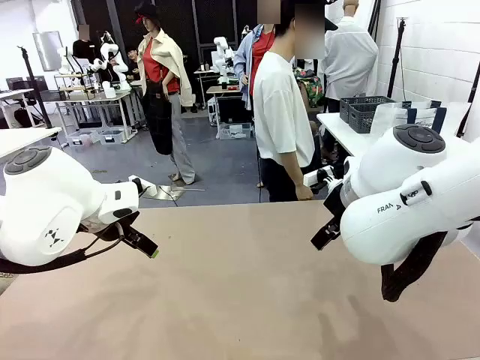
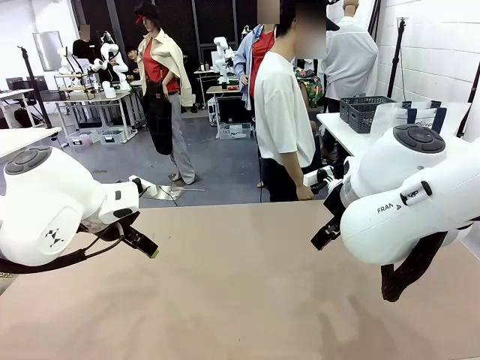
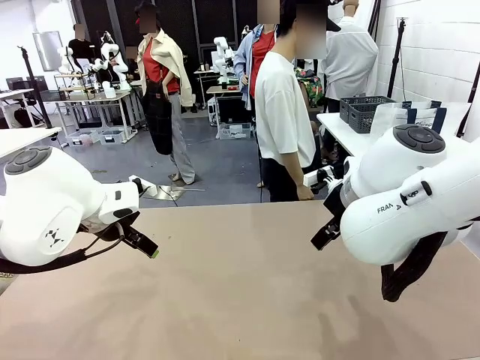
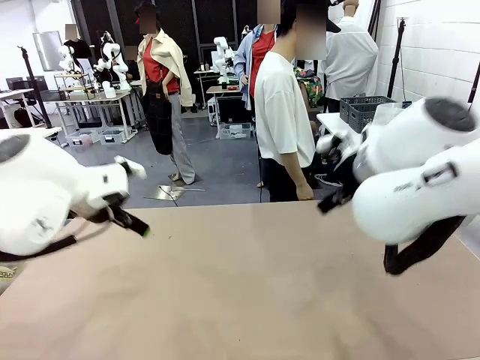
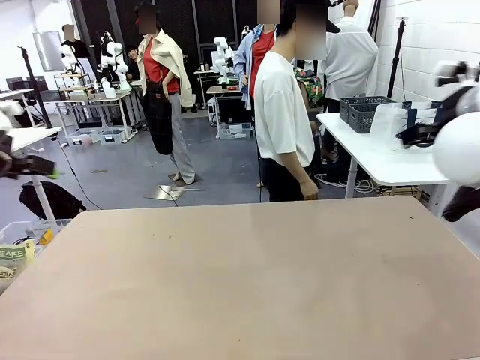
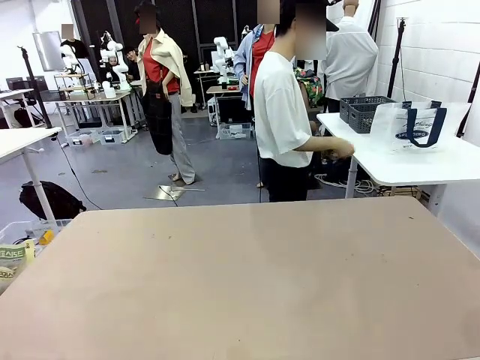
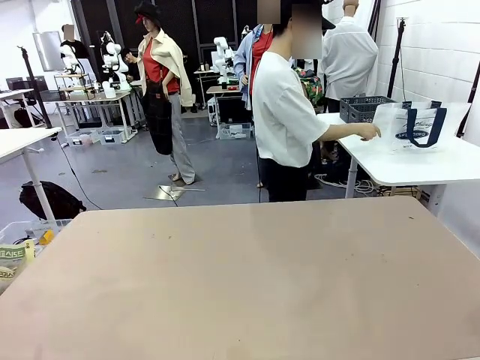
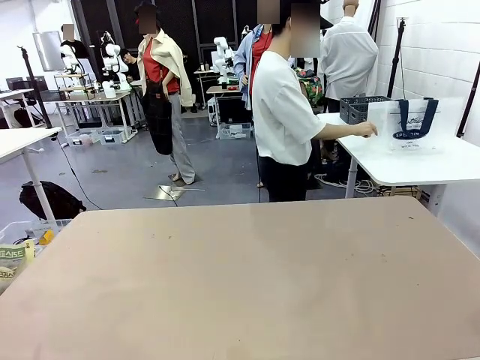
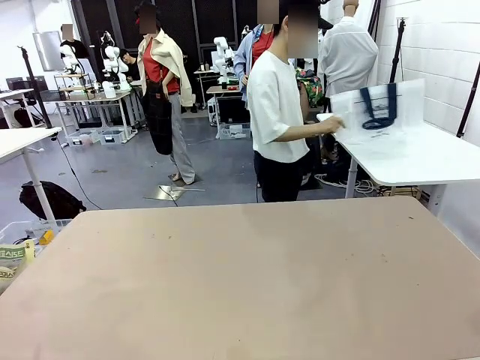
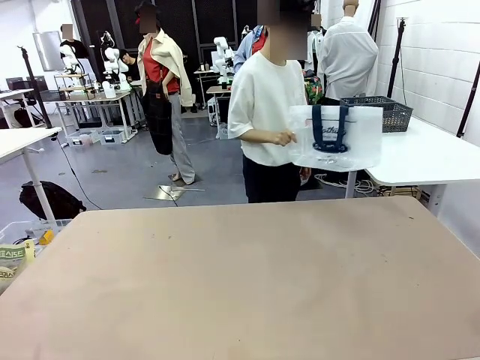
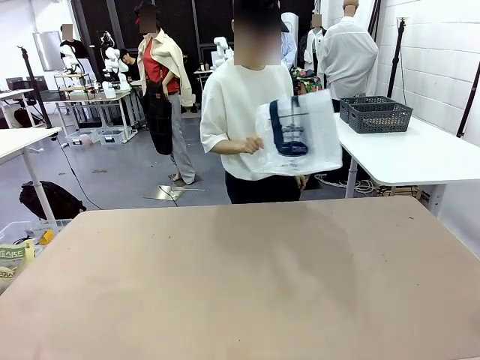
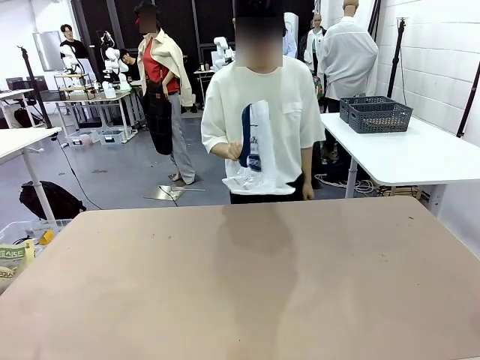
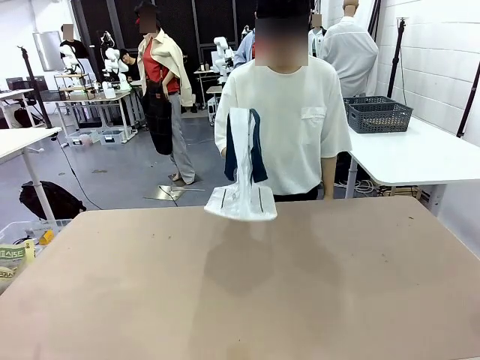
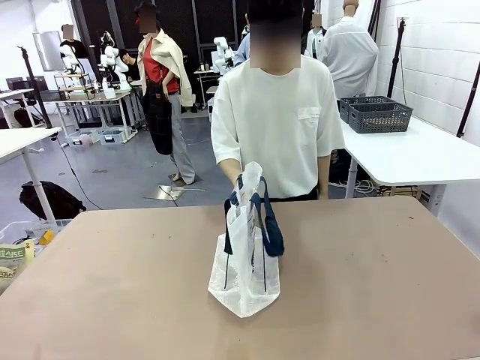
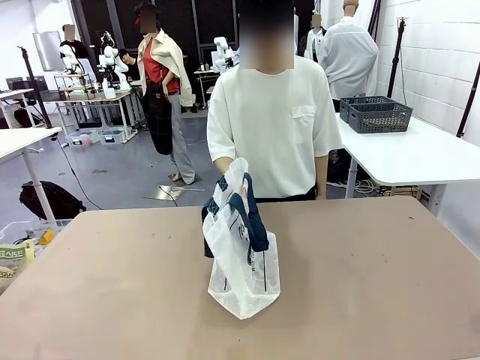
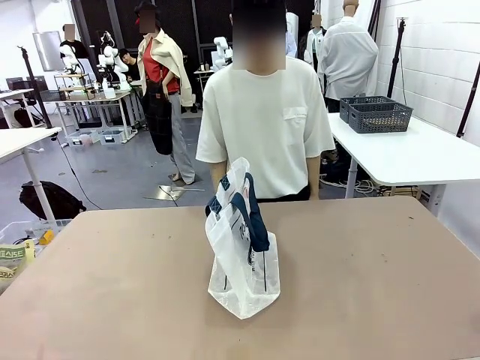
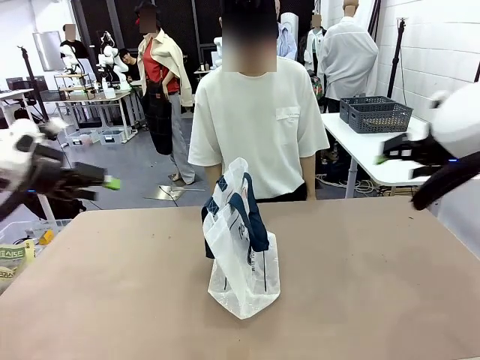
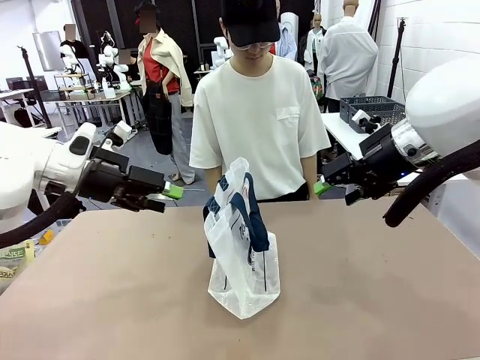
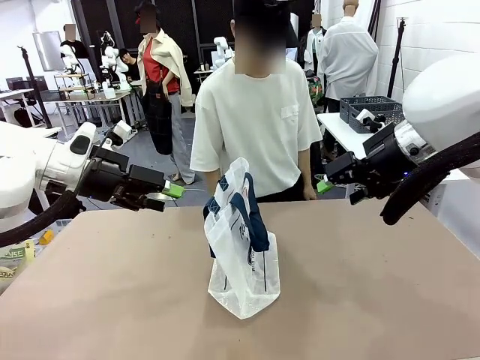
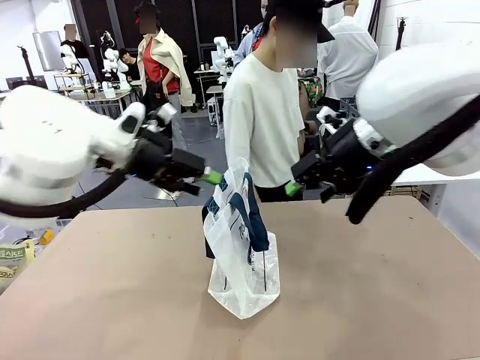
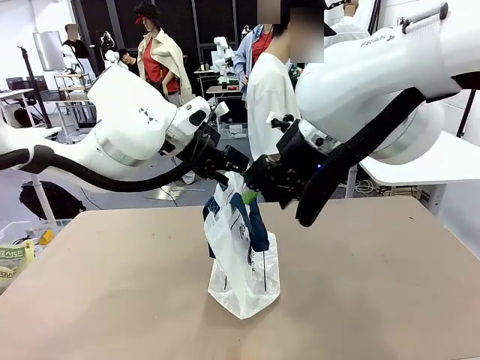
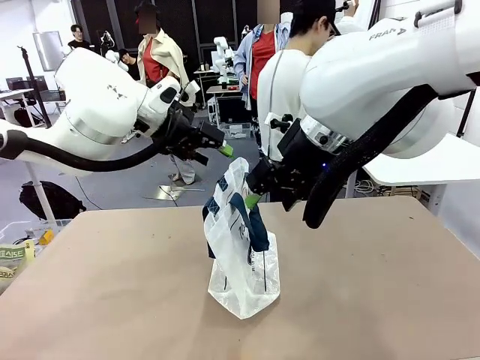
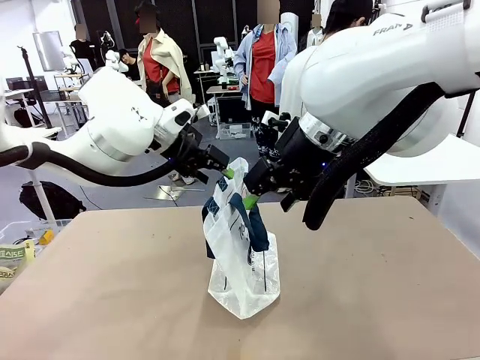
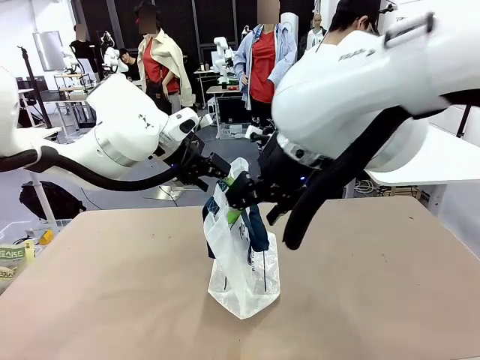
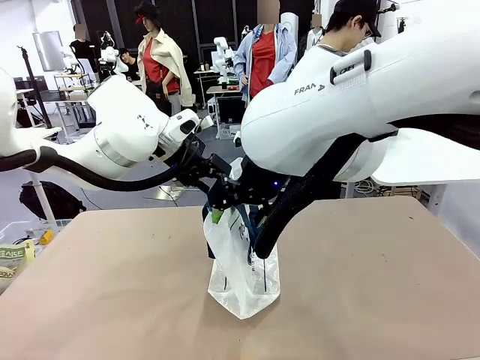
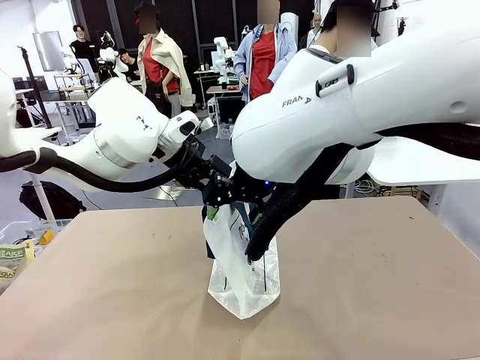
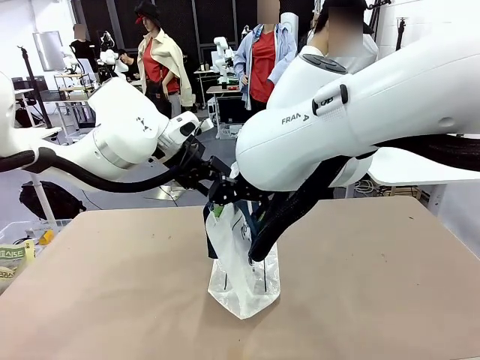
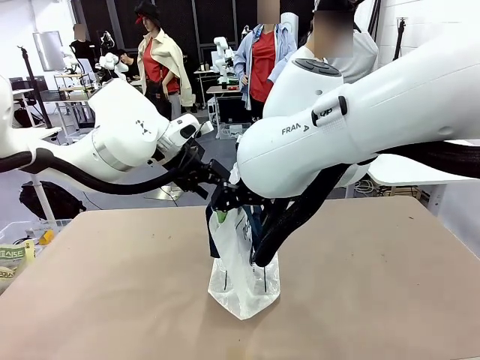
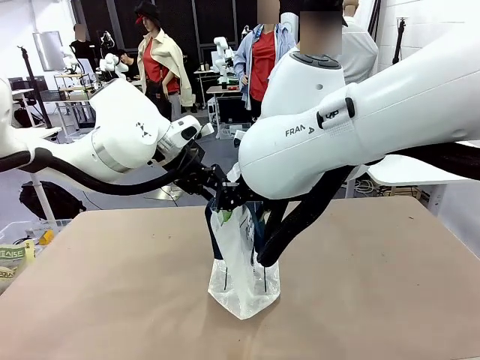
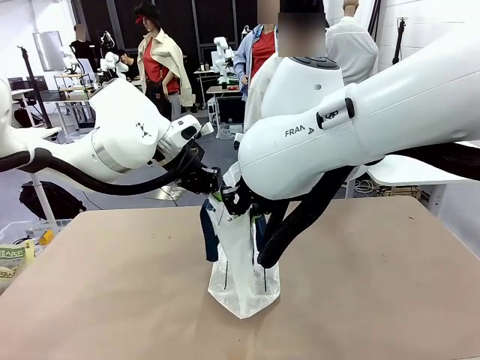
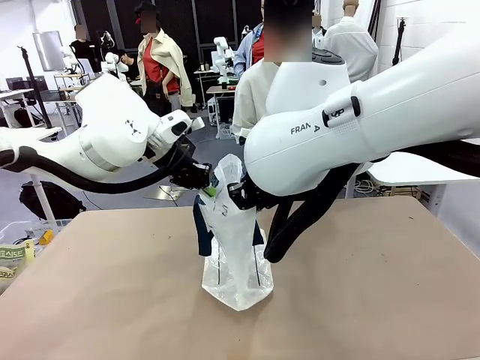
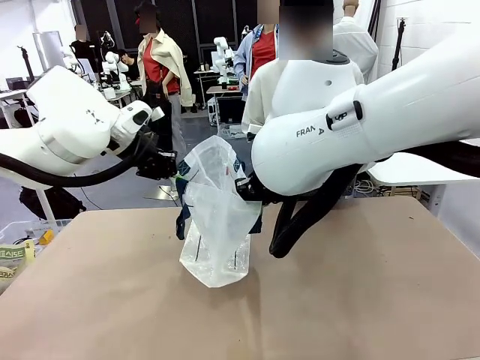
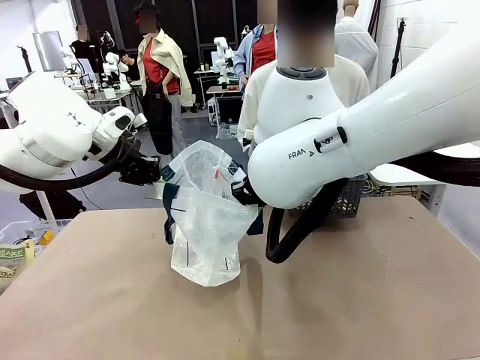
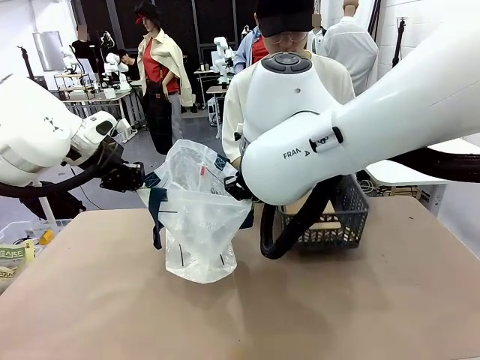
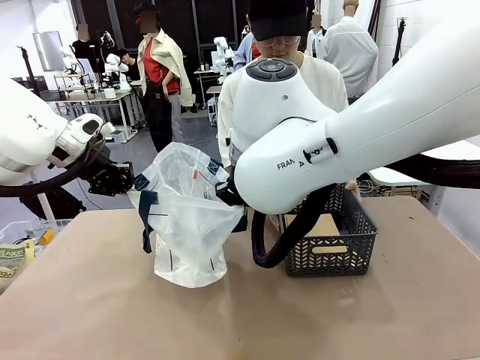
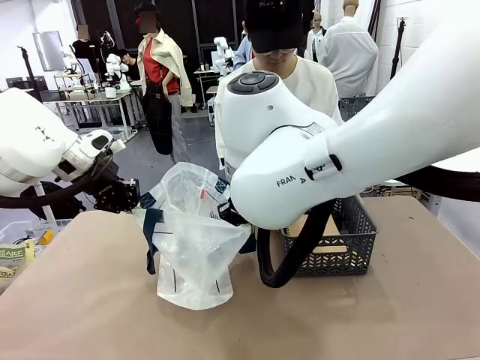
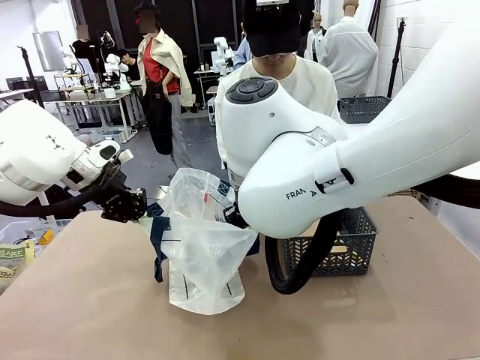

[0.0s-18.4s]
Task: Transfer purchased items from the store into the shopping bag.
Robot: Open the Reusable shopping bag in the center of the table.
Person: Pick up the shopping bag and place it in the middle of the robot table. Pick up the basket on the right, place it on the left side of the robot table, and move the items in the basket to the shopping bag.
